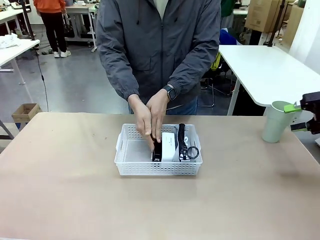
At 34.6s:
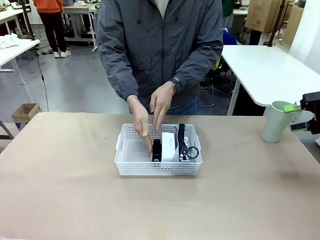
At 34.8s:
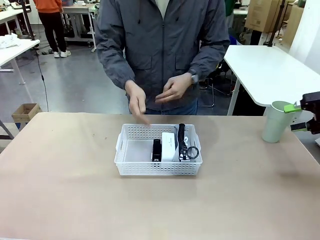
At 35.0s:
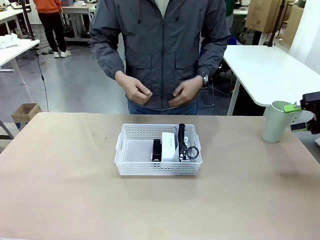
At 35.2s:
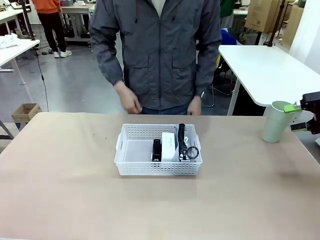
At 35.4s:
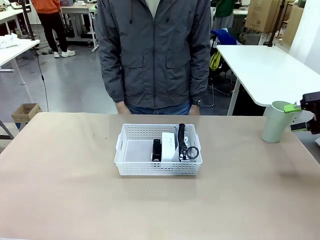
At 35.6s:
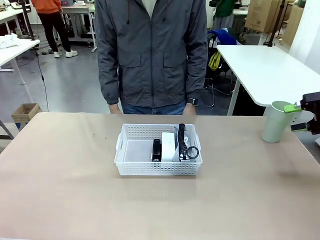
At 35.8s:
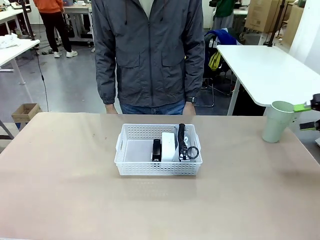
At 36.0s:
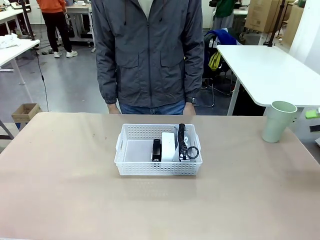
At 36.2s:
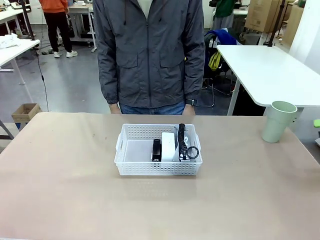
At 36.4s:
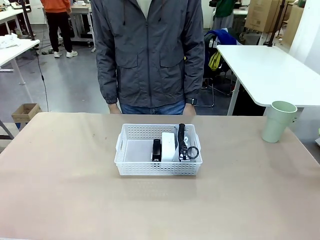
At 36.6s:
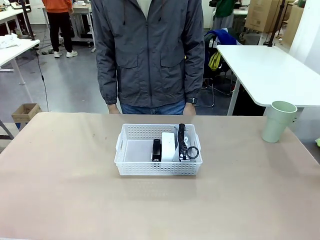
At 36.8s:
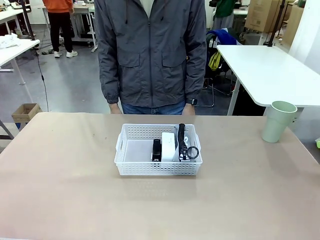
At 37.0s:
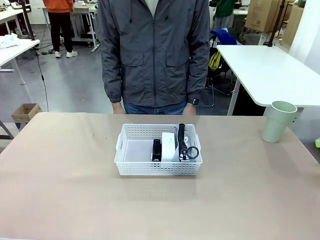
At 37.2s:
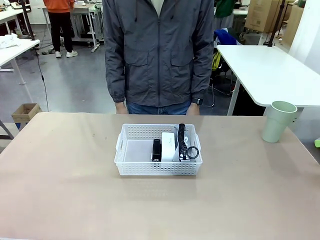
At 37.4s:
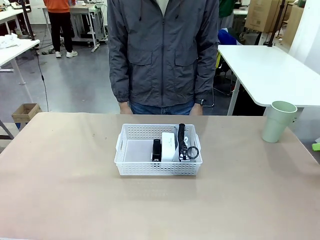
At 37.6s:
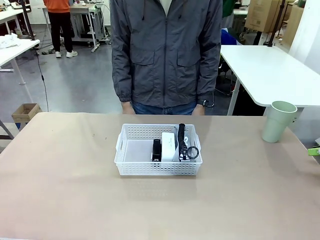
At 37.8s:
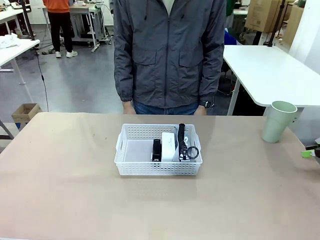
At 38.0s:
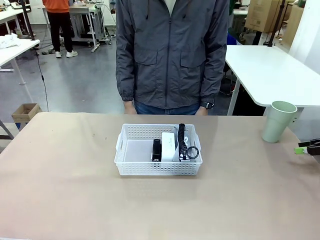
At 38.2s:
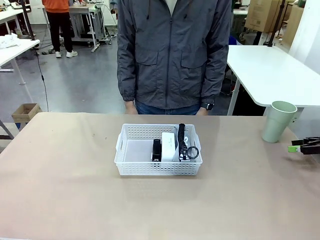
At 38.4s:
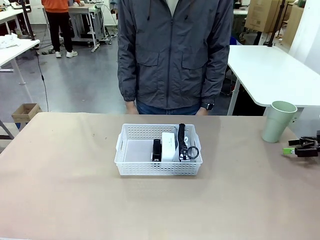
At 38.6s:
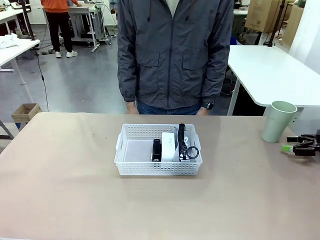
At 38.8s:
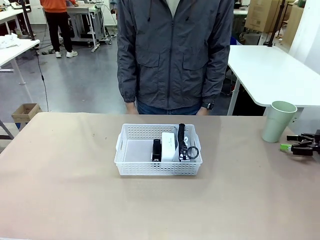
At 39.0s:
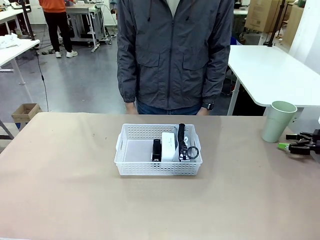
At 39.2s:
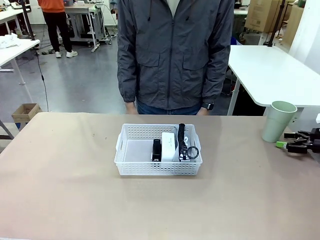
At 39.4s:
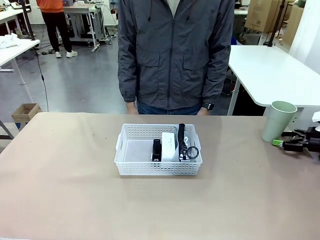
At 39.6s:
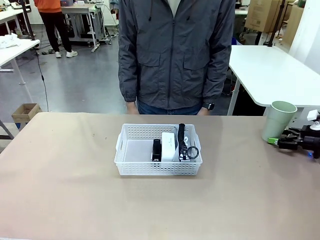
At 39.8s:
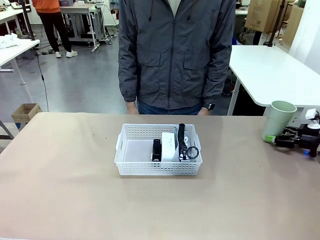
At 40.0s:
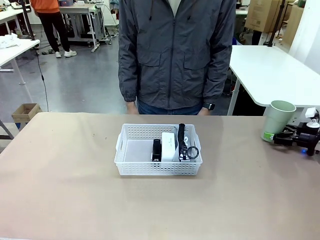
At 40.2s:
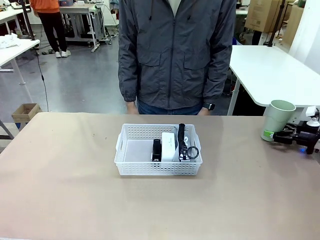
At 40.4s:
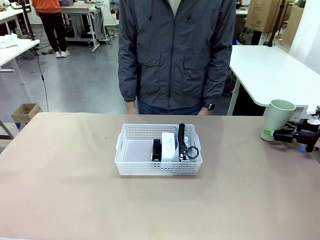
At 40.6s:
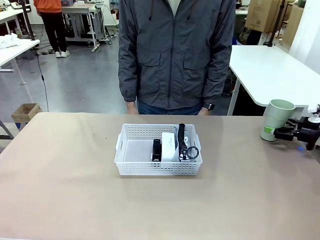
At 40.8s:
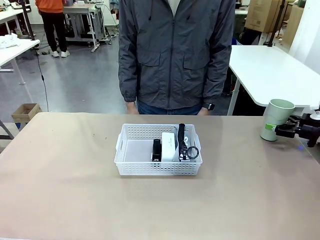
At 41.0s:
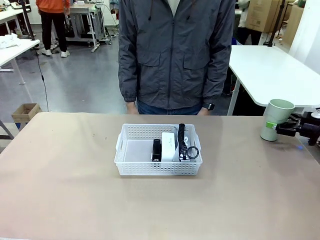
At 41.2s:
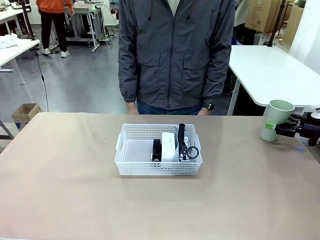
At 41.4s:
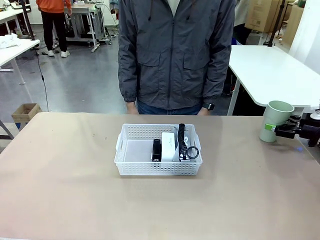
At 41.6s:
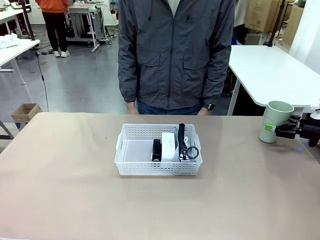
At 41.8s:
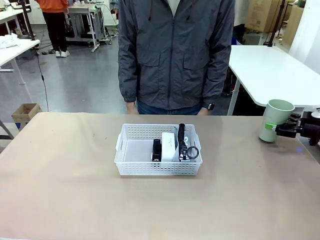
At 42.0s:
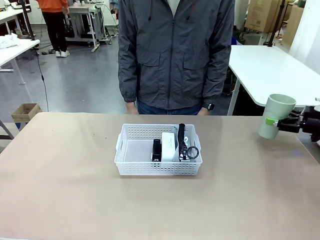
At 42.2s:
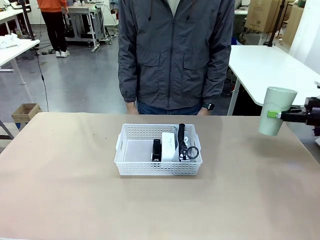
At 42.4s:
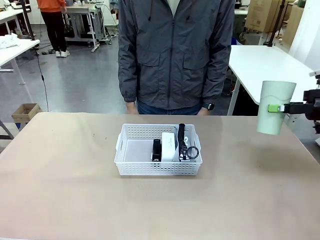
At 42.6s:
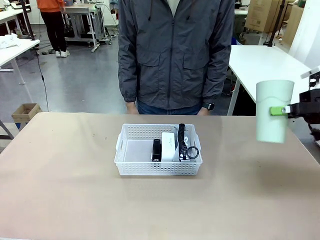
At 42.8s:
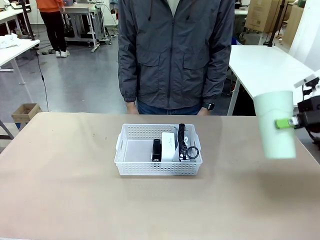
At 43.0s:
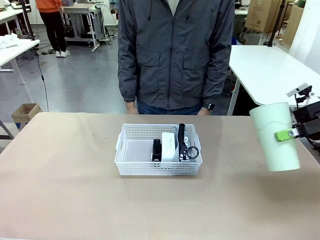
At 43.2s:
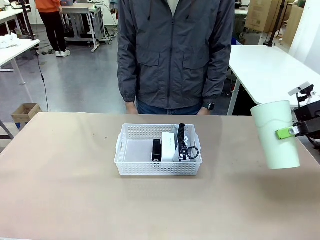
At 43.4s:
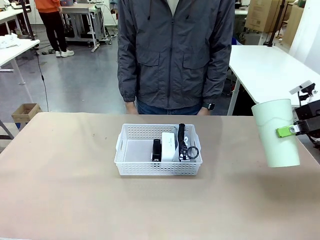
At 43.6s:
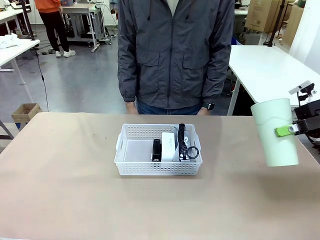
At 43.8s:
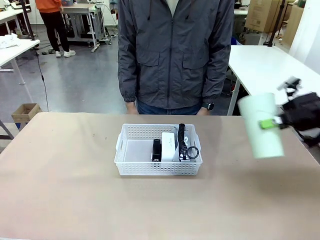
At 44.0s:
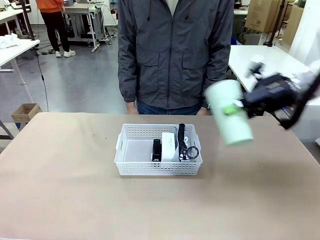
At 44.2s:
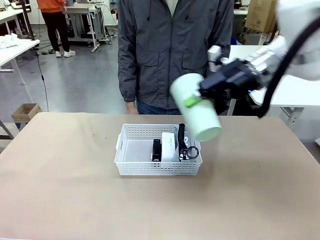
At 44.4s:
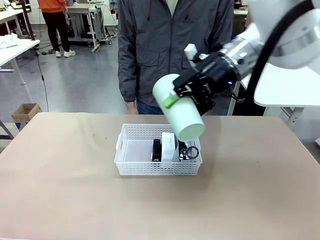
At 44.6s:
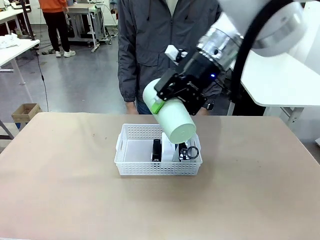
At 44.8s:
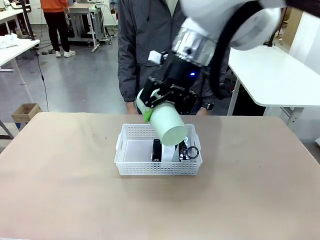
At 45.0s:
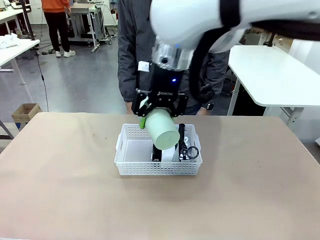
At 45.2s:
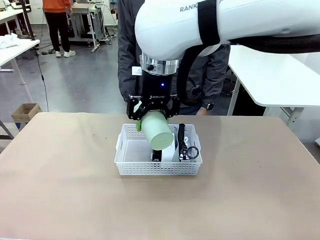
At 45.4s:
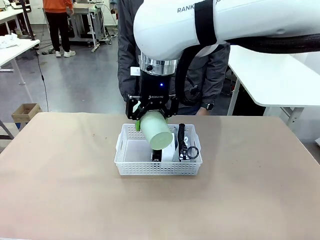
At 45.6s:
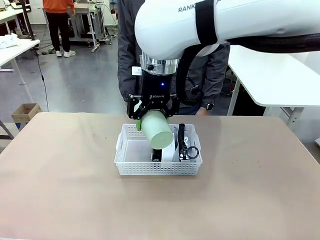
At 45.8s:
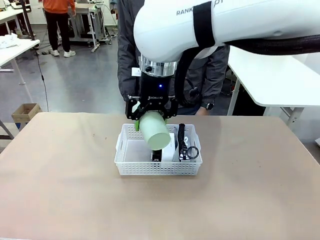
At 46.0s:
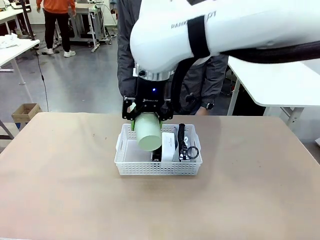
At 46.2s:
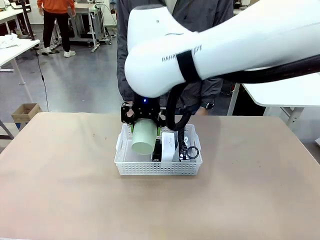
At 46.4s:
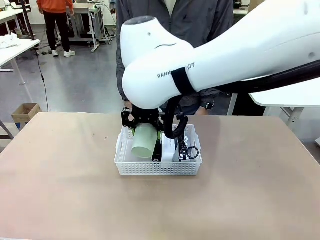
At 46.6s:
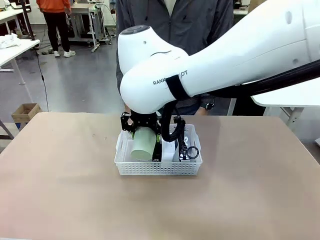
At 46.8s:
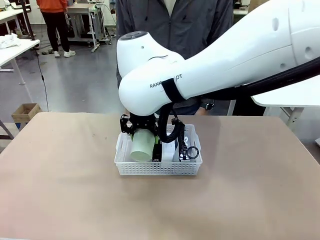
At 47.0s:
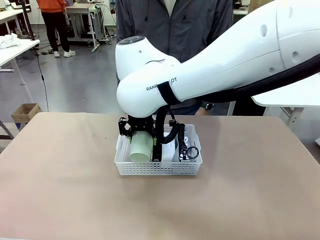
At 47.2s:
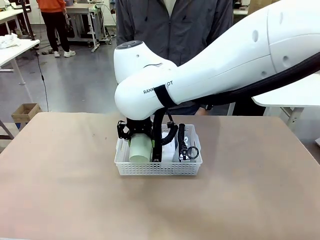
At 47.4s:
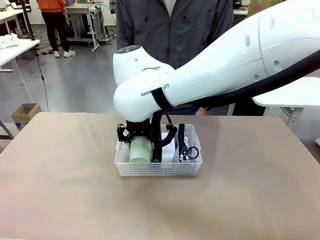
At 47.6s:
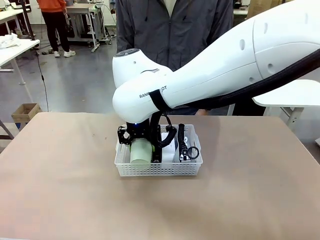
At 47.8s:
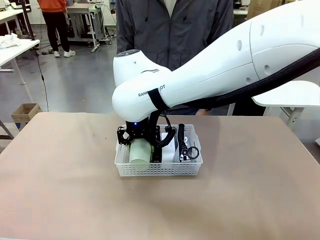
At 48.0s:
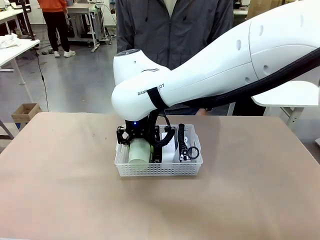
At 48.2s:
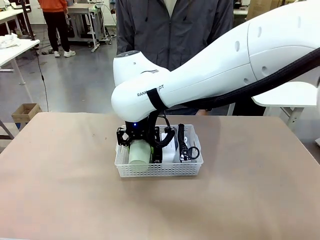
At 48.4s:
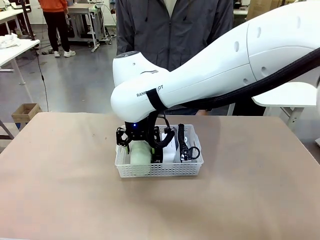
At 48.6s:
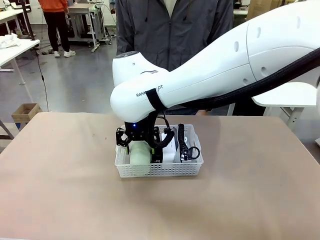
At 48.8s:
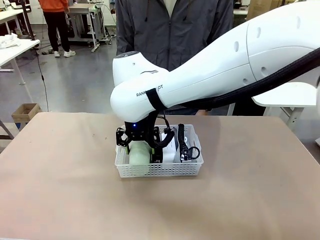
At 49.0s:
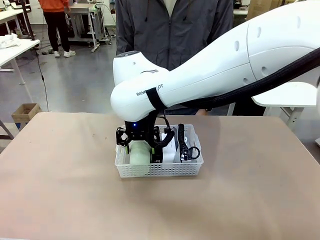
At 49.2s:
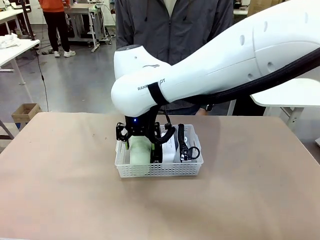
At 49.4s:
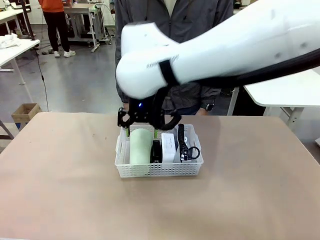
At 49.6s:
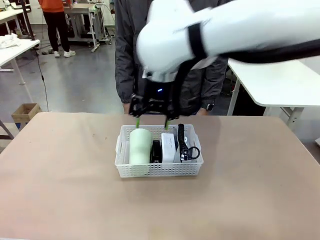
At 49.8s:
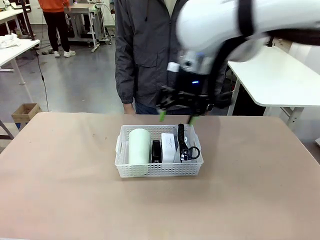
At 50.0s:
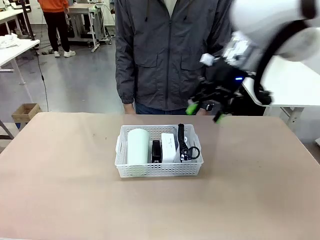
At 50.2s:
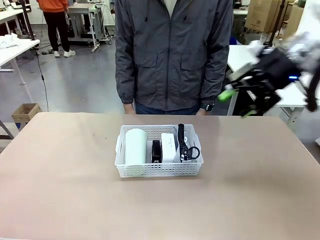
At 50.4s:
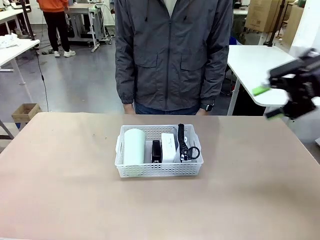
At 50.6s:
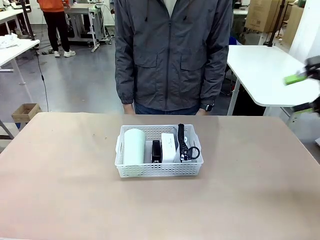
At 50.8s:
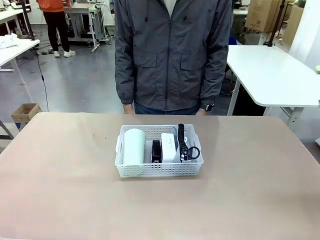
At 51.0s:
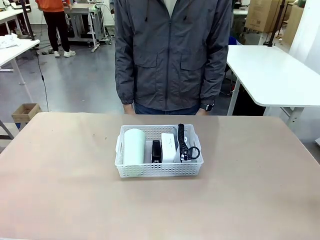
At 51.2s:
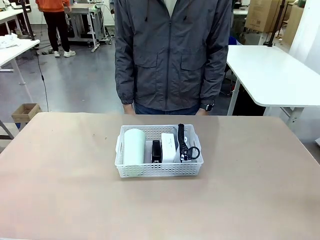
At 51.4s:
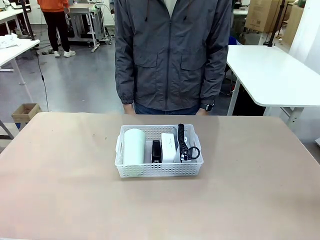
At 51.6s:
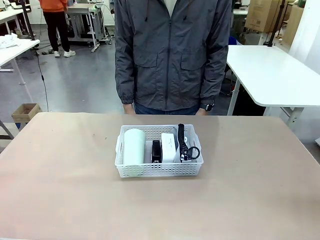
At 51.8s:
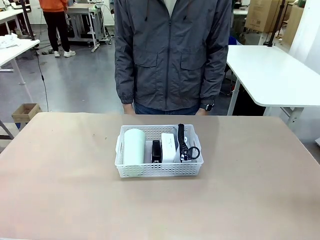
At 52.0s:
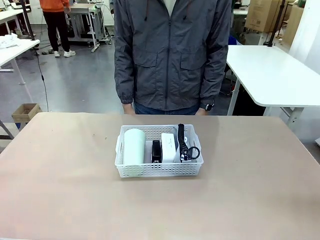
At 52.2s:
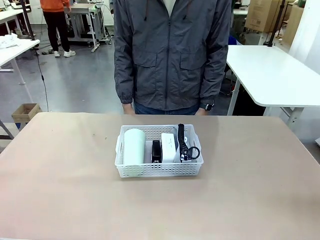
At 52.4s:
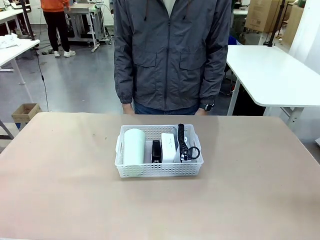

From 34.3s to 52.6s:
Task: Efficiently arrange items inside the basket to fit them all.
Robot: Pick up the Reusable plastic cup and place it inside the Organizing basket.
Person: Repositions the stapler.
